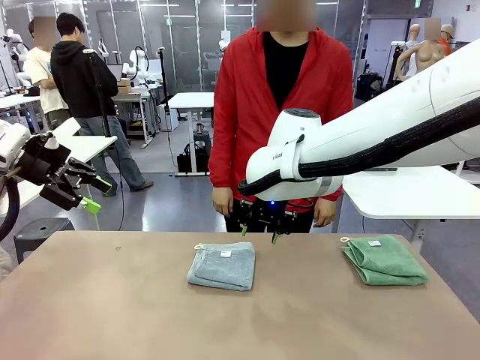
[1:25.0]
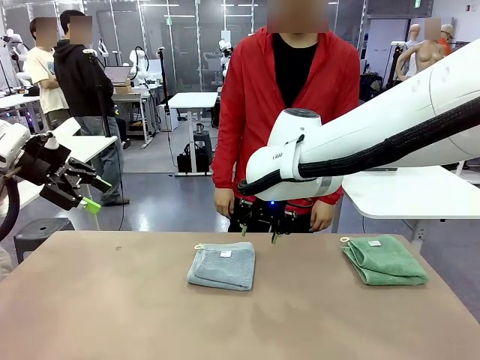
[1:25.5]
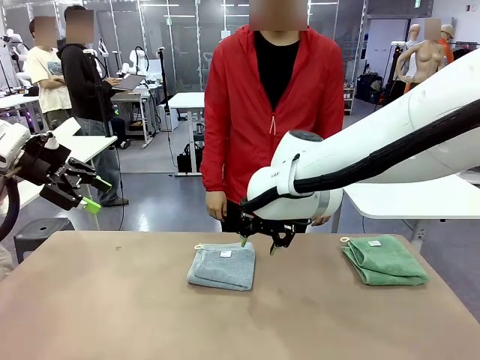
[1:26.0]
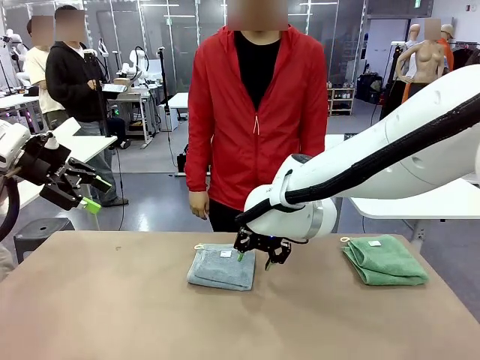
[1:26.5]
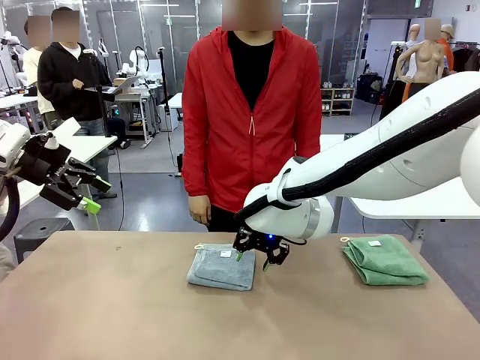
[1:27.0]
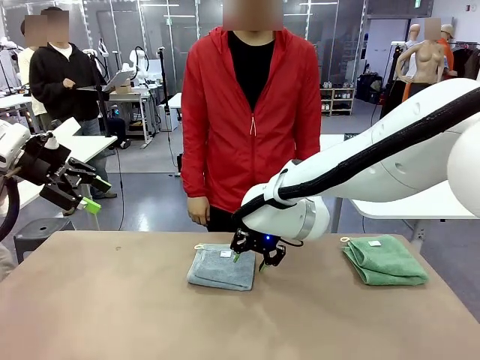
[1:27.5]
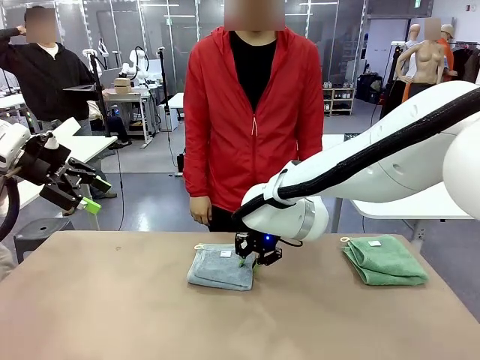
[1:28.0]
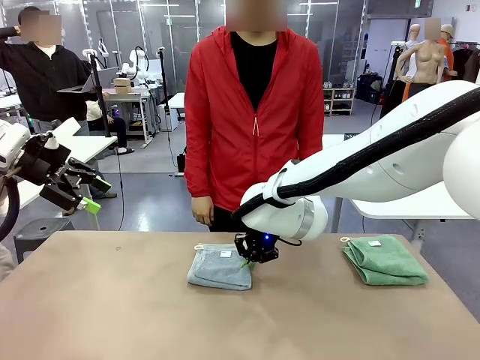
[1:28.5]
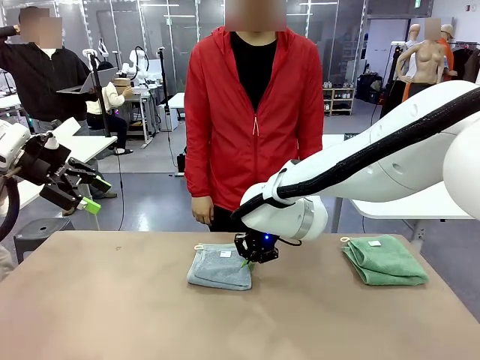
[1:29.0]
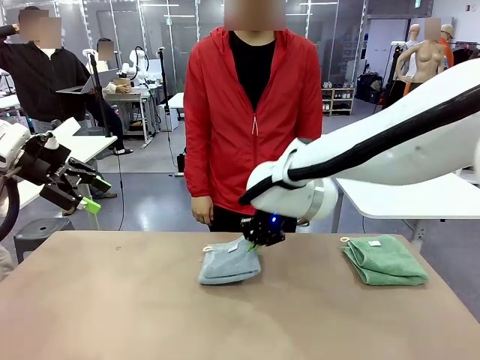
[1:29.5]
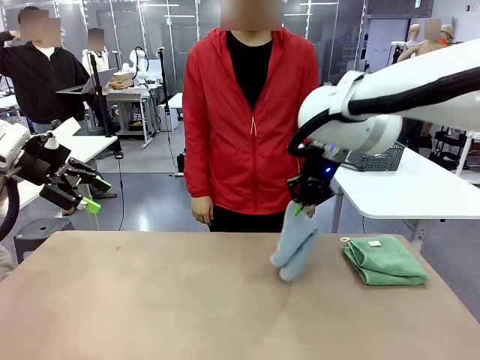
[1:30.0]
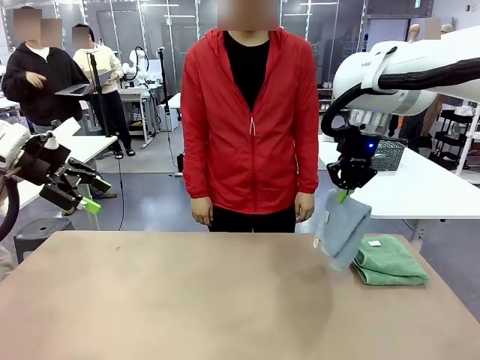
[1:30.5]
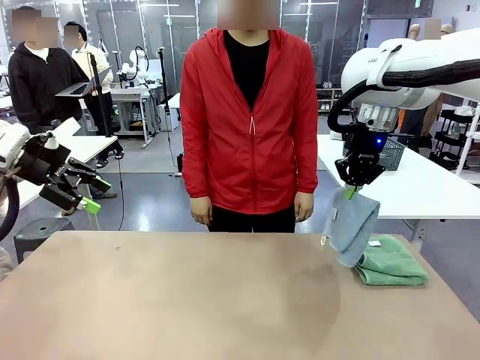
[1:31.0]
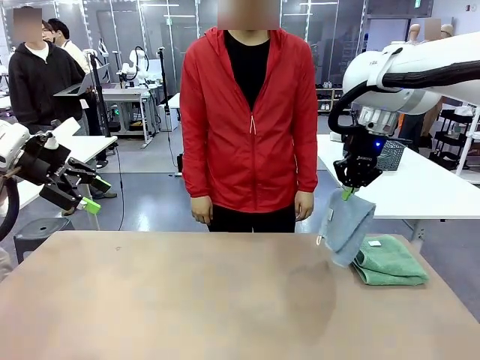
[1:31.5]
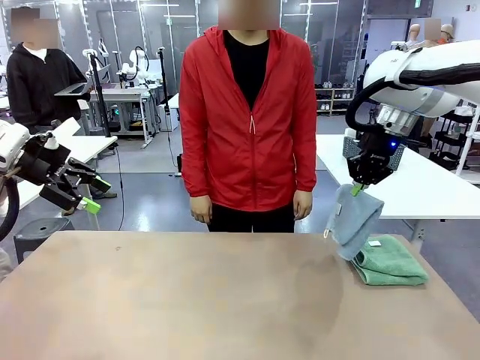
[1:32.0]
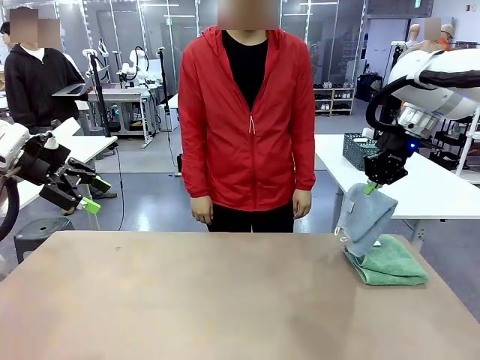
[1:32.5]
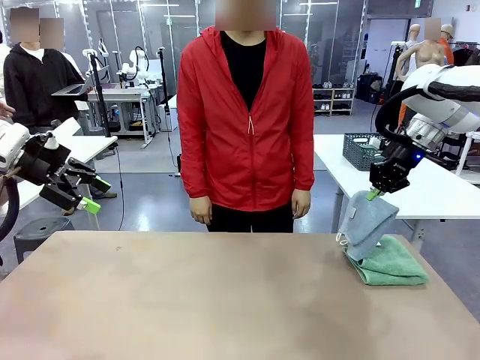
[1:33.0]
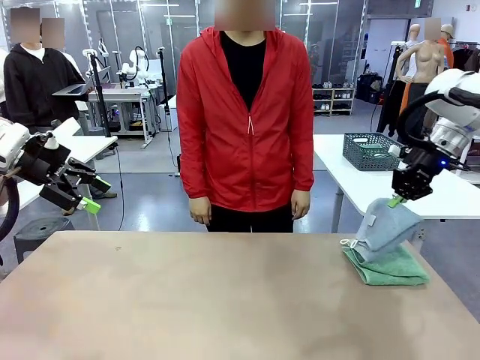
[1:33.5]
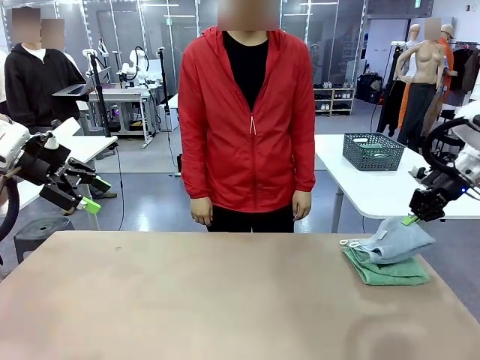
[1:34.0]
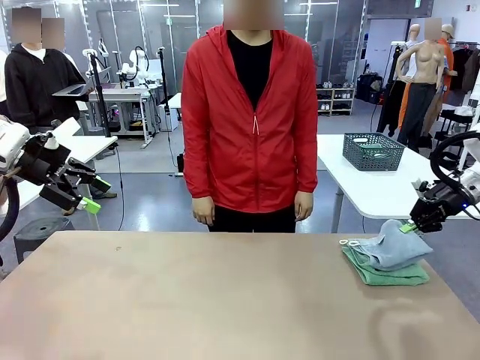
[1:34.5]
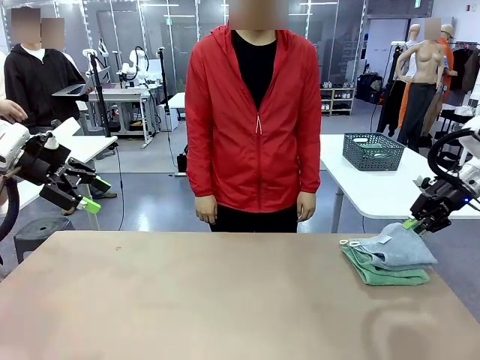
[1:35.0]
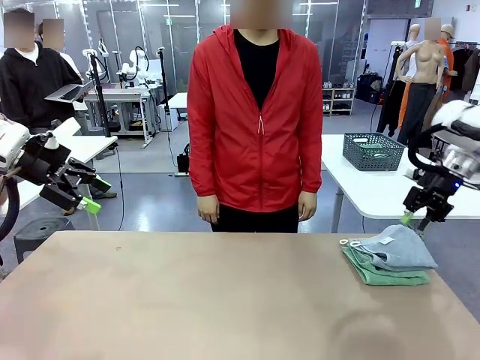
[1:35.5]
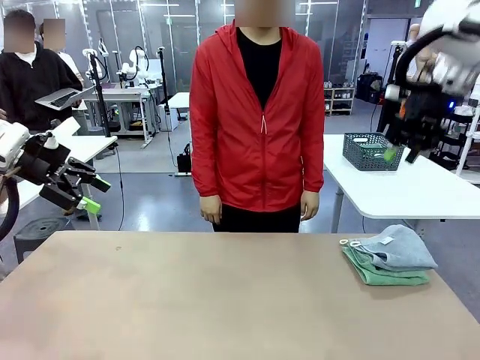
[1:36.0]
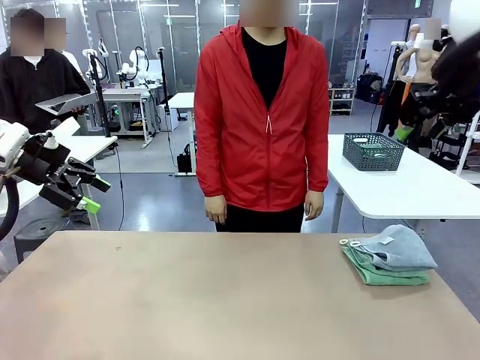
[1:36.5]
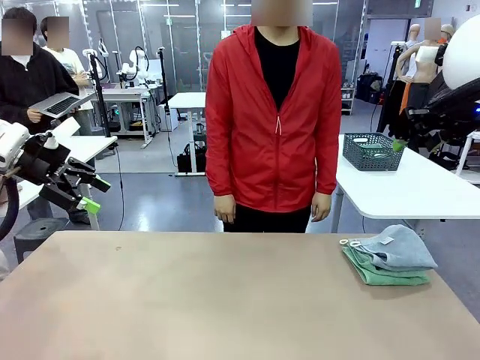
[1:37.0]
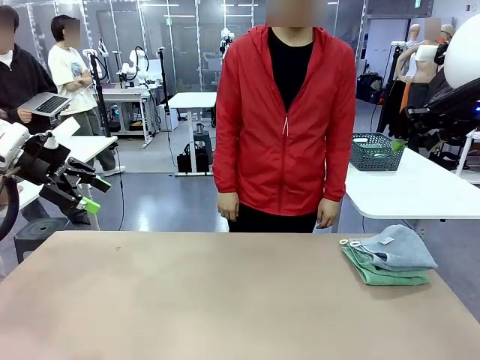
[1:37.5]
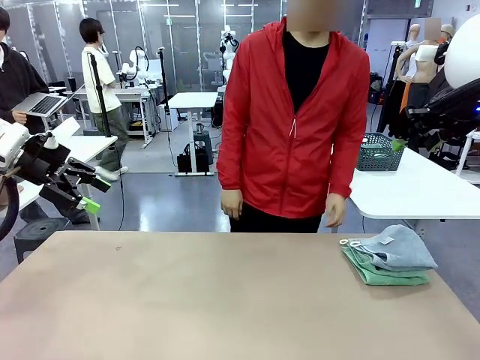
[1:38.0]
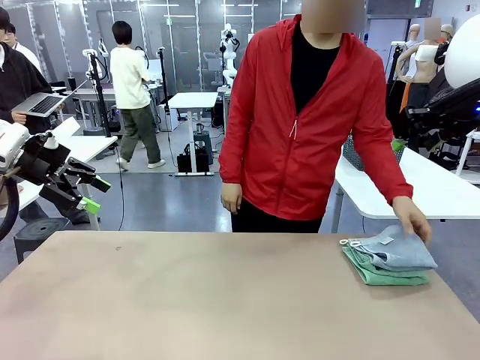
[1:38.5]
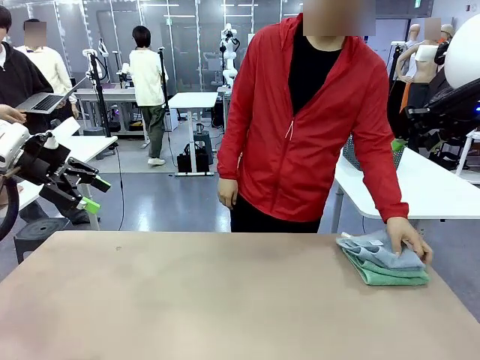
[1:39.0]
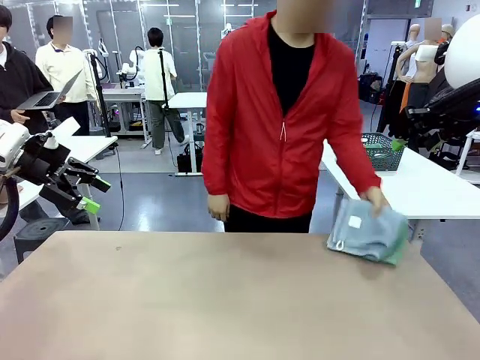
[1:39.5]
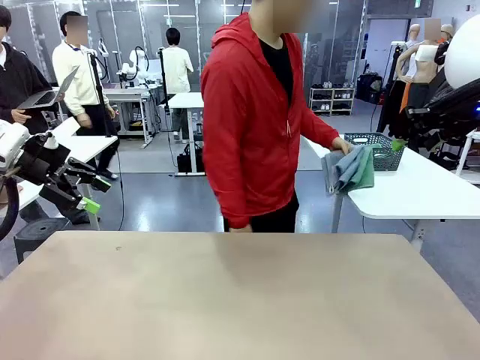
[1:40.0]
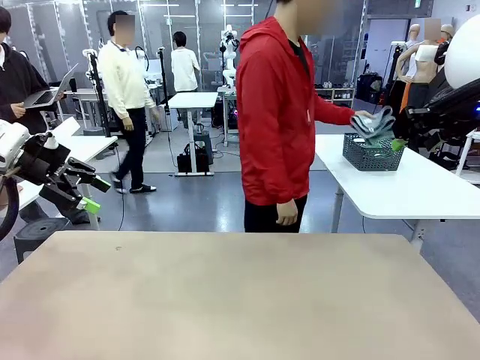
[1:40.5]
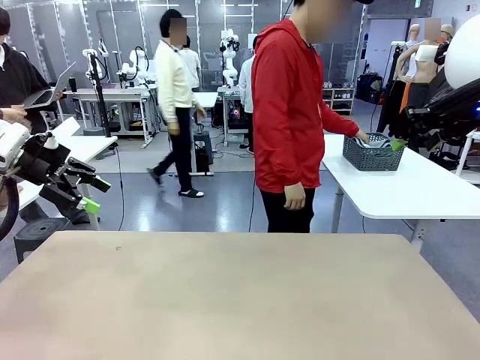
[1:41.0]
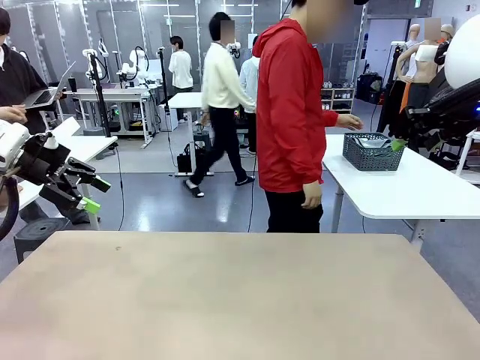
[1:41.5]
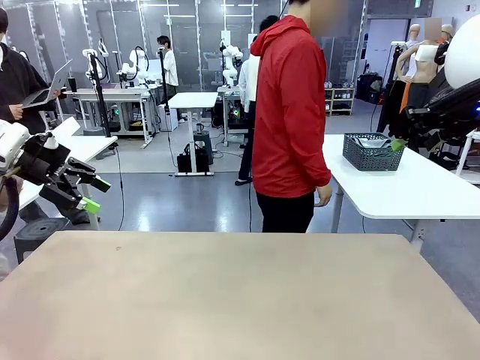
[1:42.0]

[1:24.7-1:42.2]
Task: Fold the towels and place them in the basket.
Robot: Stack the folded Towel with hook on the right side of the table.
Person: Pick up the stack of towels from the robot table and place it into the basket.

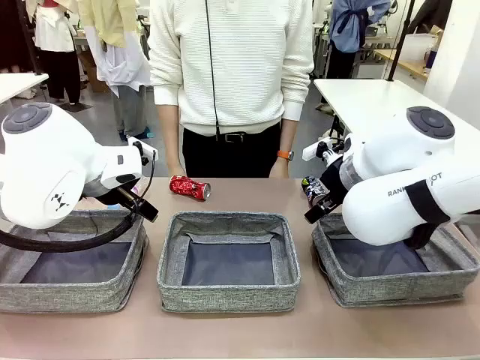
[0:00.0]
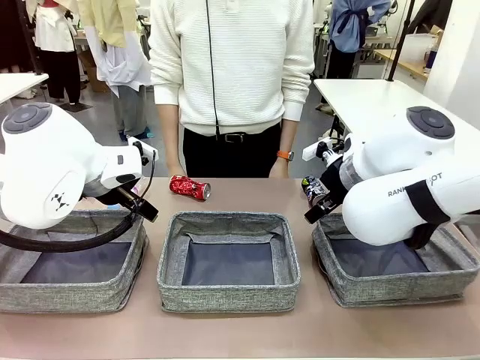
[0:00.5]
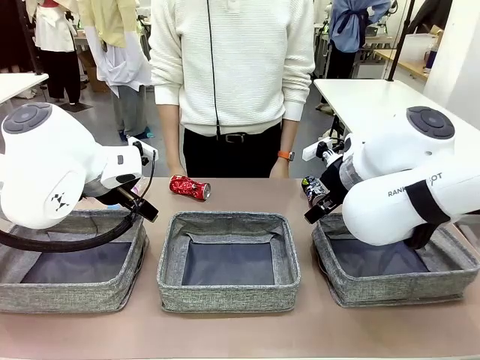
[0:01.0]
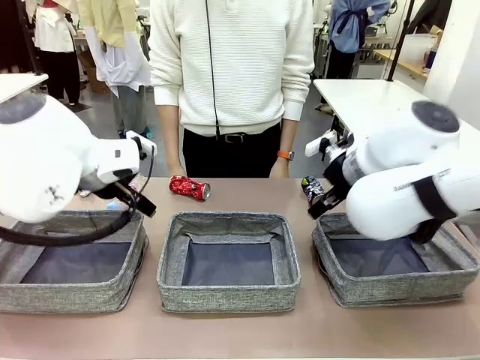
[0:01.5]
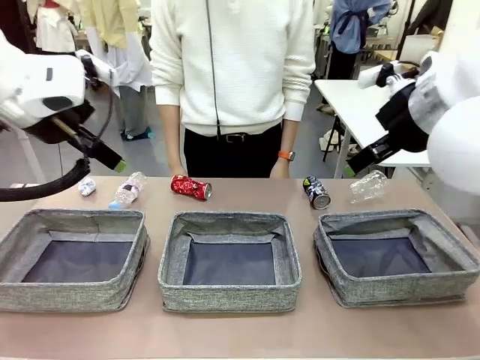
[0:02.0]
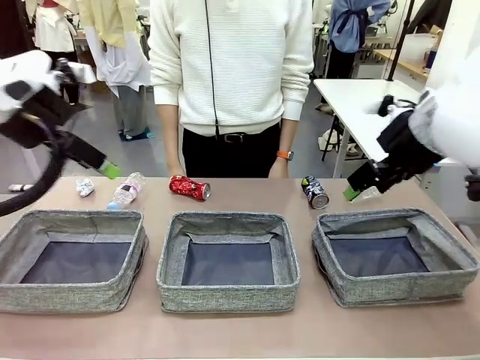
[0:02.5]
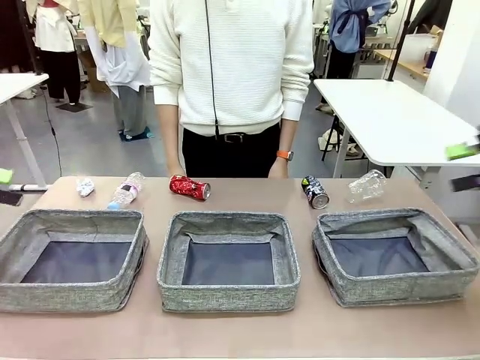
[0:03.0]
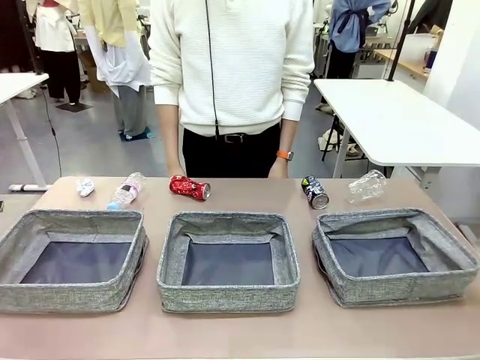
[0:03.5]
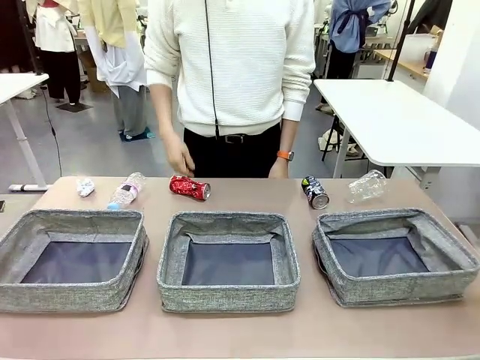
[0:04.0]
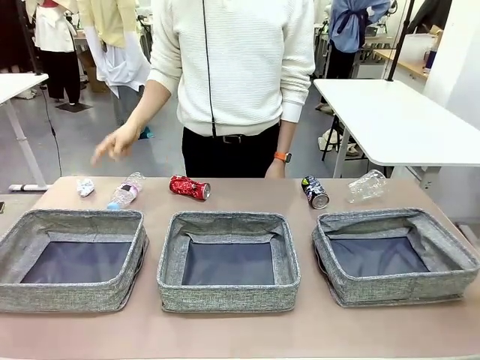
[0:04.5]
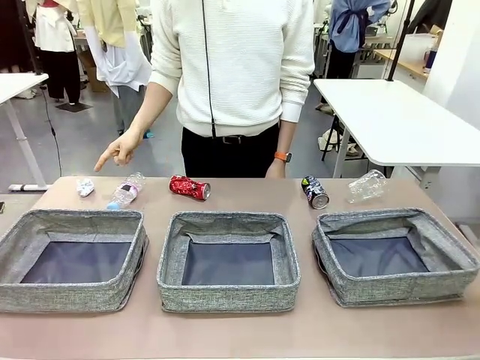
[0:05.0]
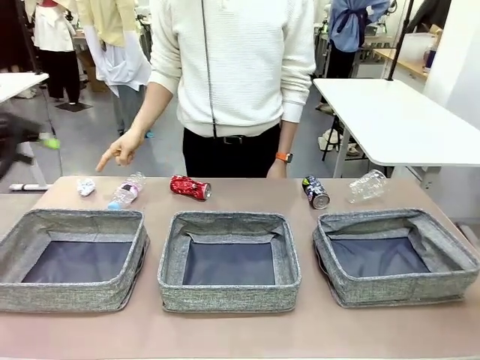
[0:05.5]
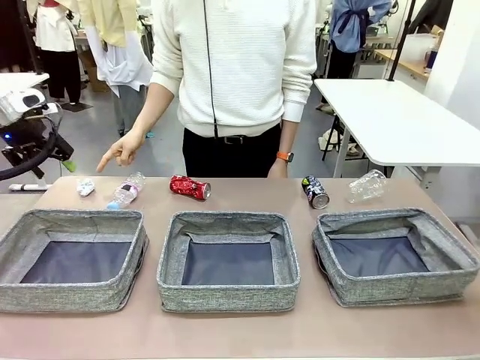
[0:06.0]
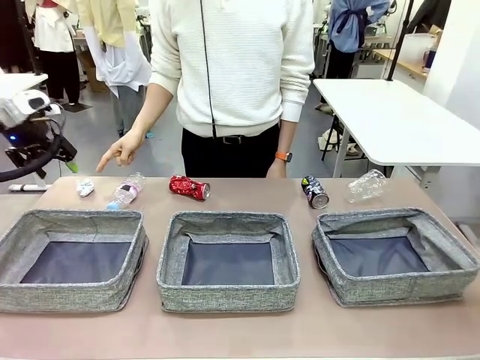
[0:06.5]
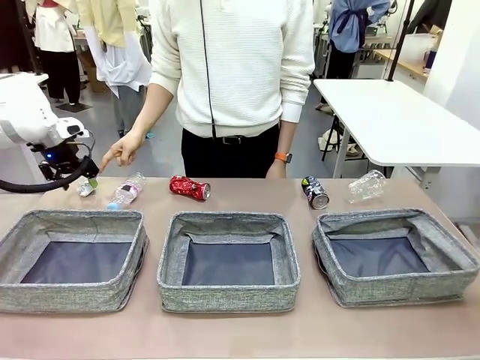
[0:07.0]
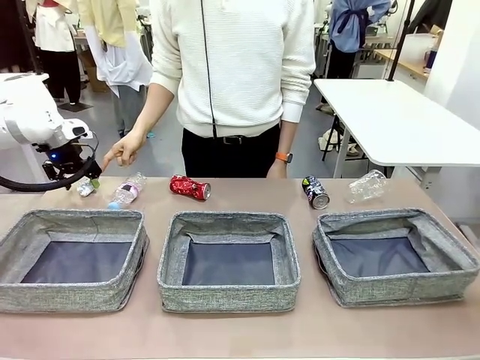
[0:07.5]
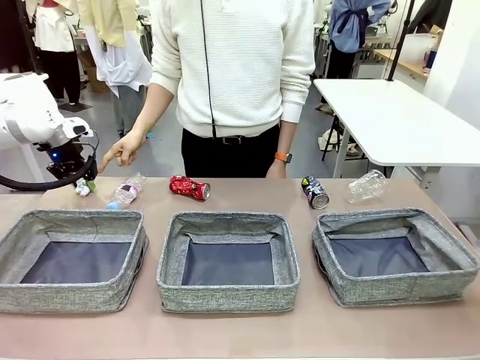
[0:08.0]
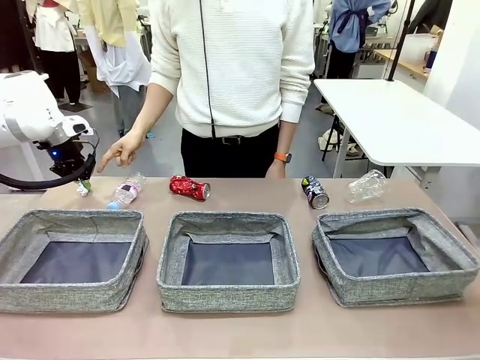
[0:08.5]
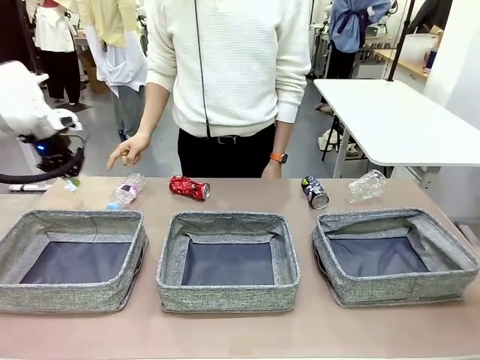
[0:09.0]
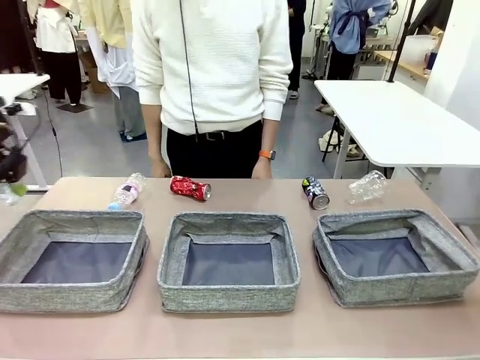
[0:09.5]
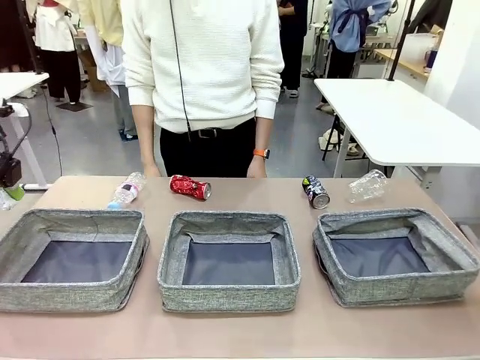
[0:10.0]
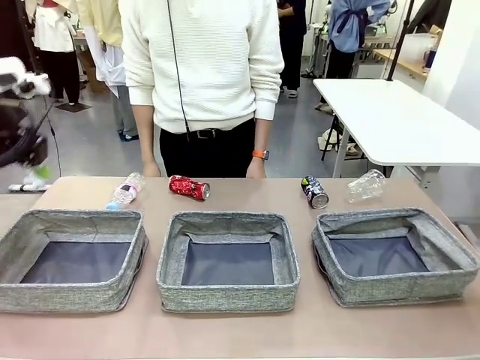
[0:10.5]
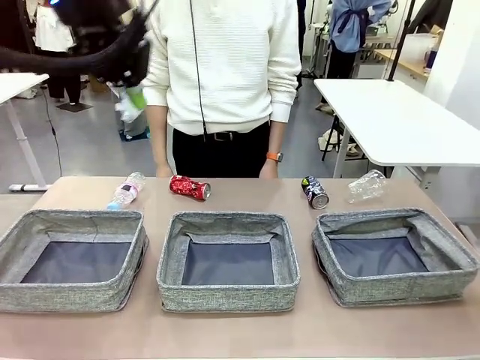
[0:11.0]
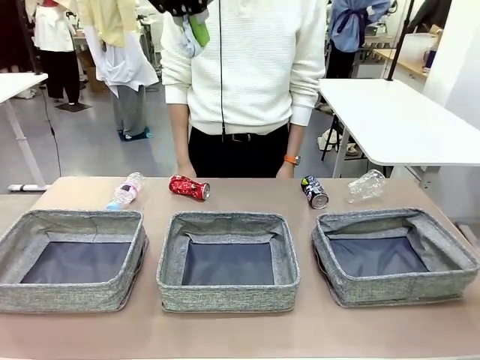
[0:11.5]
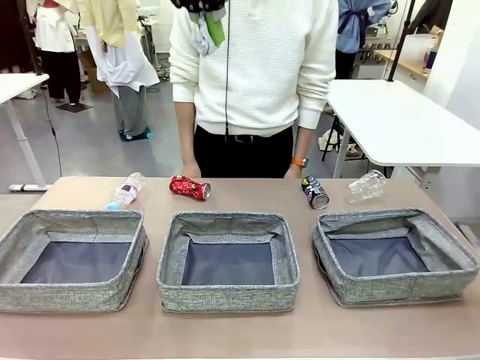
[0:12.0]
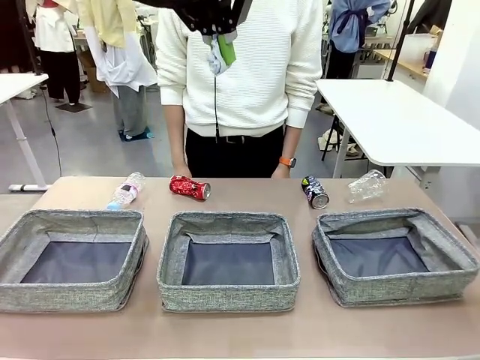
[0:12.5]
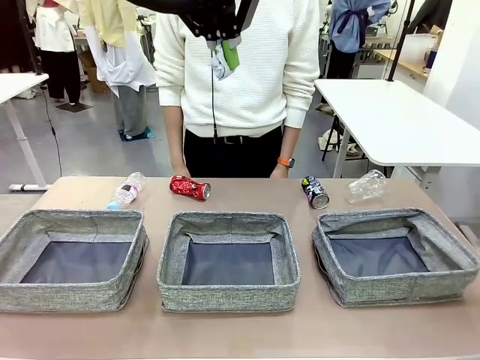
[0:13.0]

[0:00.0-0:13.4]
Task: Sort the waste into the appropriate baskets.
Robot: Pick up the waste item pointed out by the person.
Person: Points to one piece of trash on the table.
